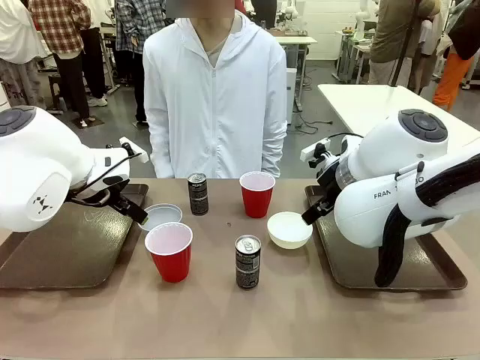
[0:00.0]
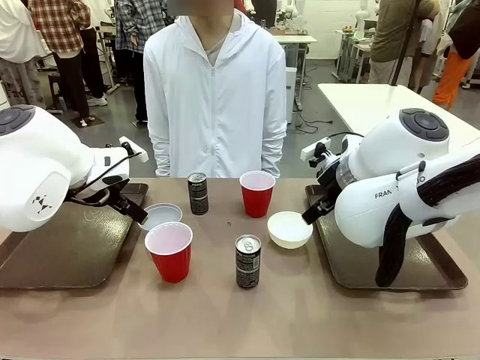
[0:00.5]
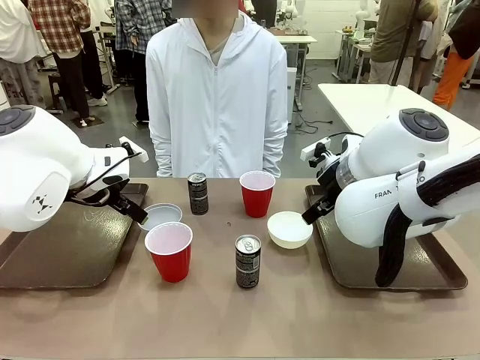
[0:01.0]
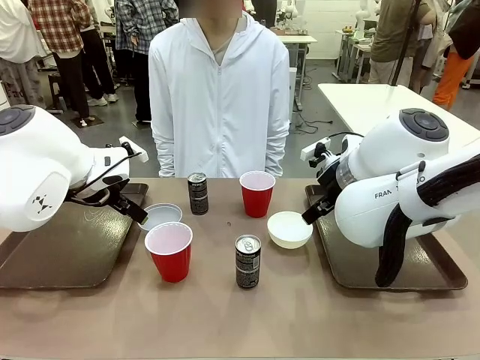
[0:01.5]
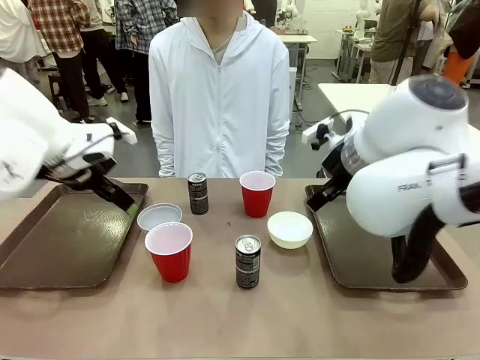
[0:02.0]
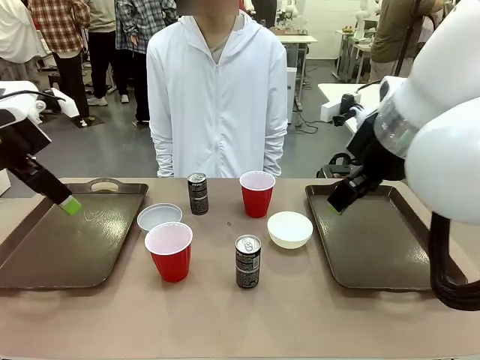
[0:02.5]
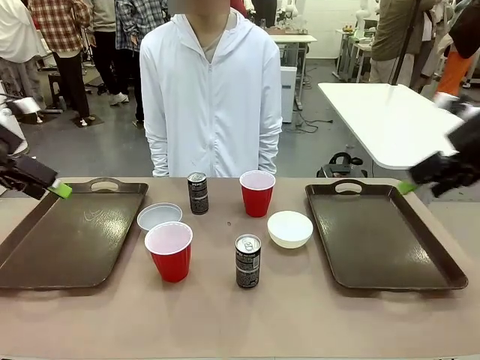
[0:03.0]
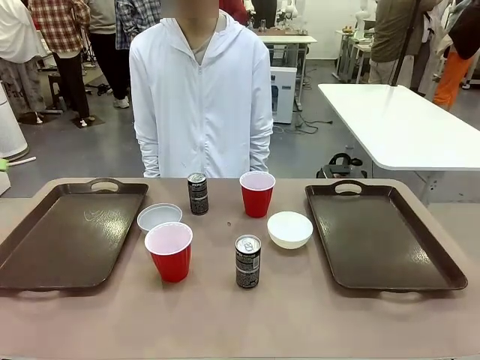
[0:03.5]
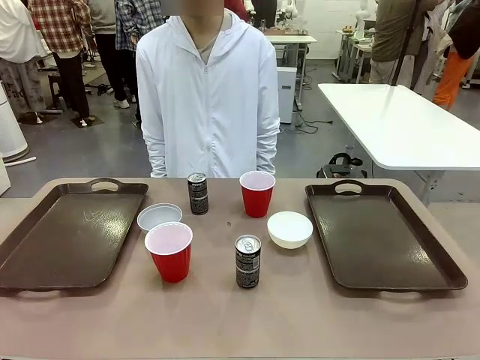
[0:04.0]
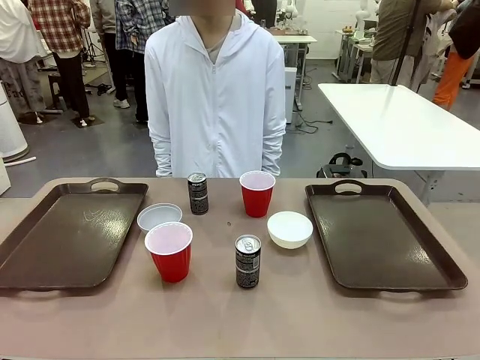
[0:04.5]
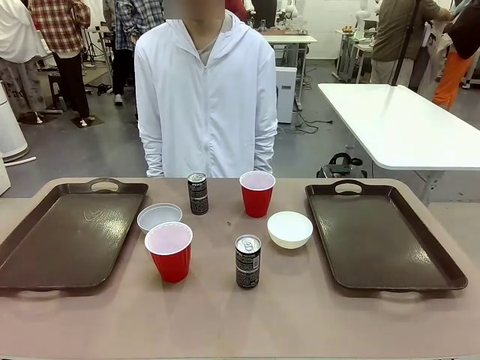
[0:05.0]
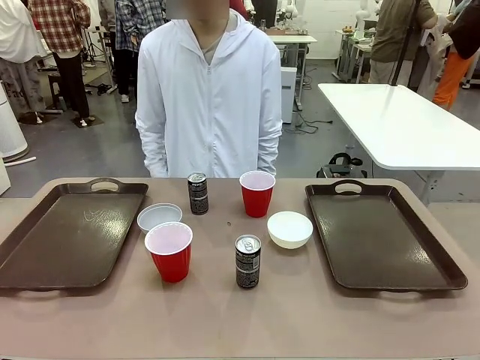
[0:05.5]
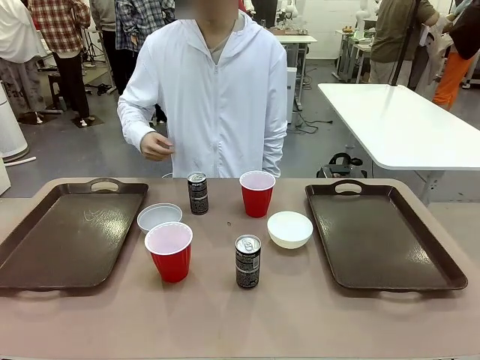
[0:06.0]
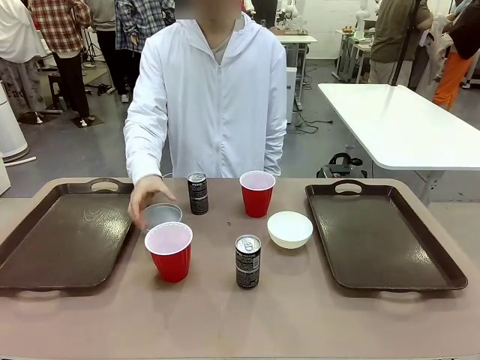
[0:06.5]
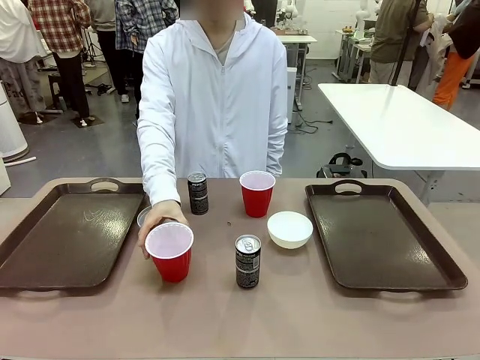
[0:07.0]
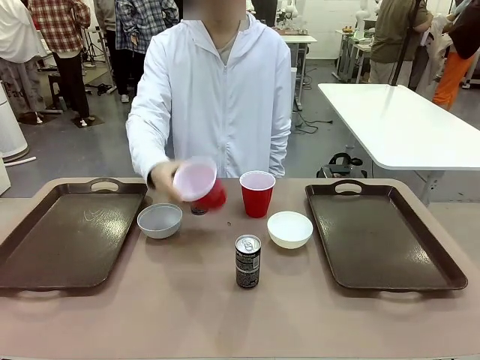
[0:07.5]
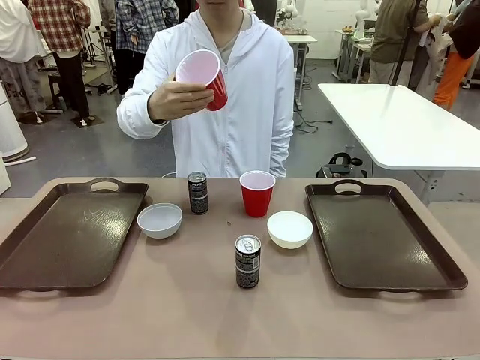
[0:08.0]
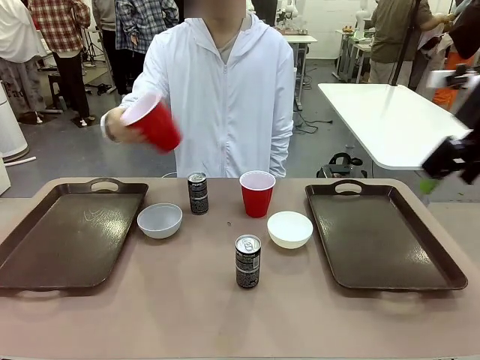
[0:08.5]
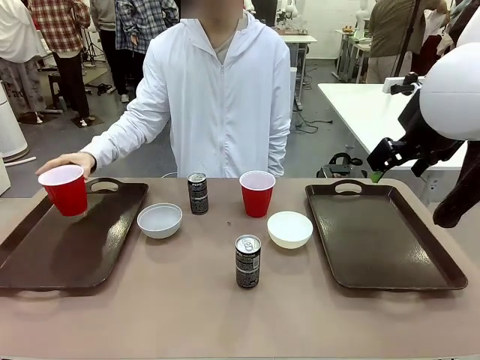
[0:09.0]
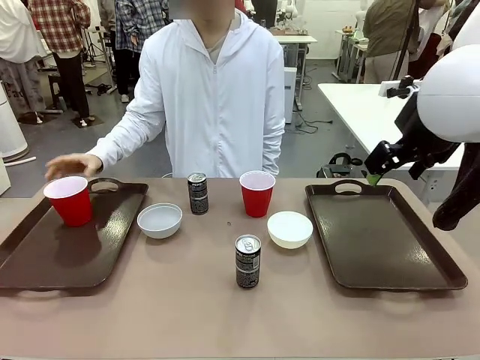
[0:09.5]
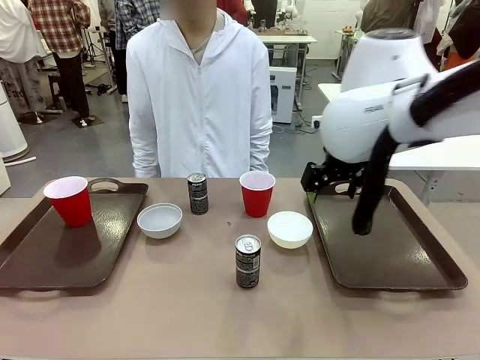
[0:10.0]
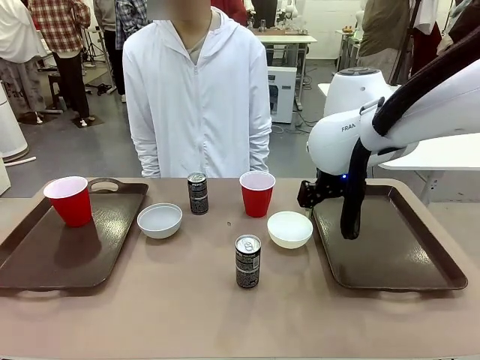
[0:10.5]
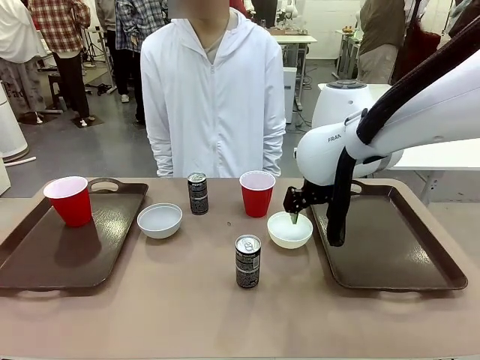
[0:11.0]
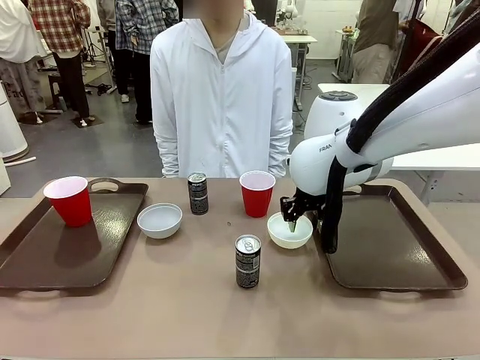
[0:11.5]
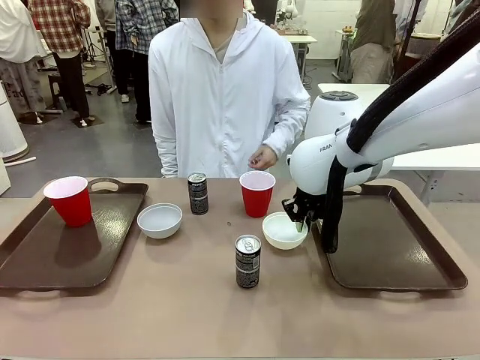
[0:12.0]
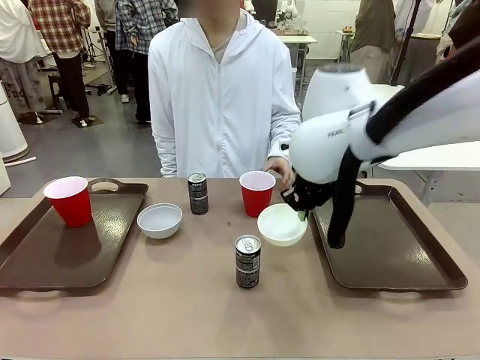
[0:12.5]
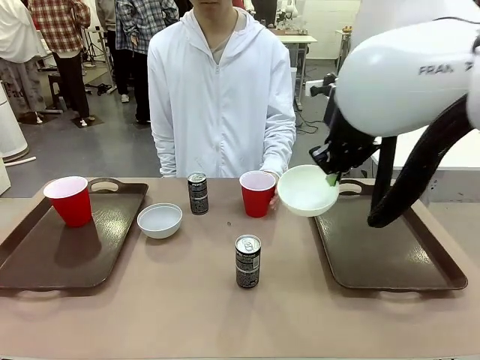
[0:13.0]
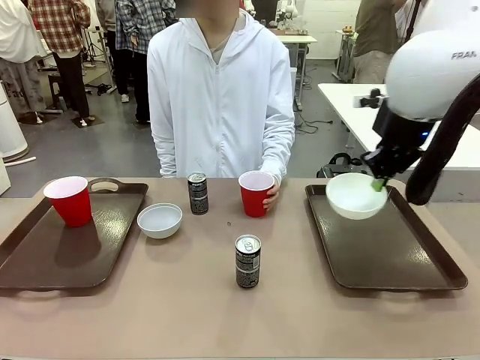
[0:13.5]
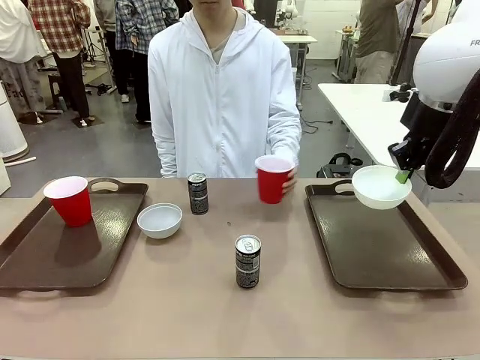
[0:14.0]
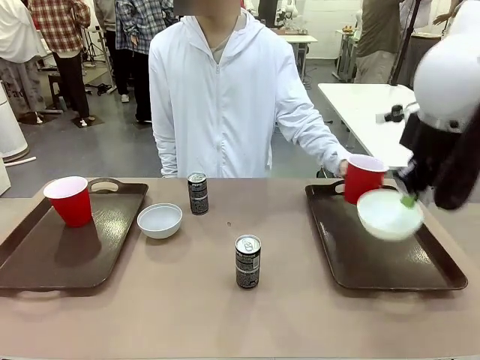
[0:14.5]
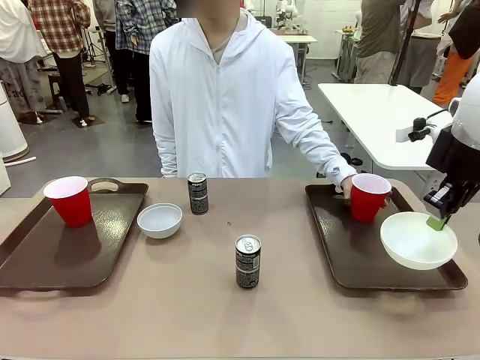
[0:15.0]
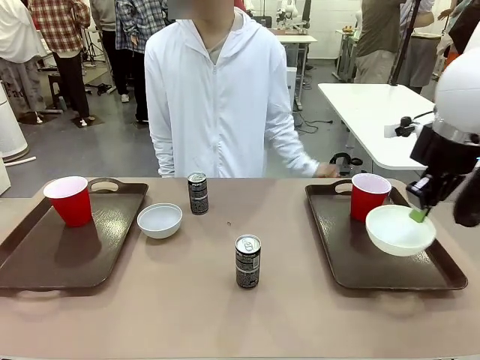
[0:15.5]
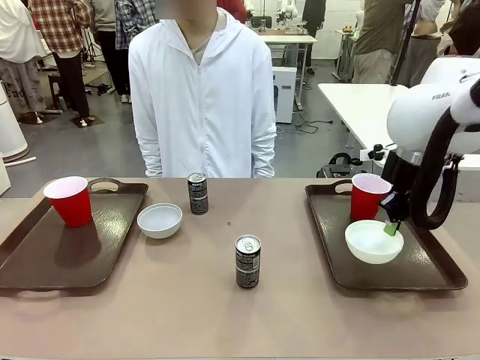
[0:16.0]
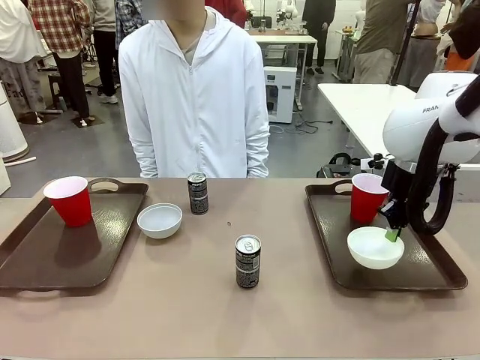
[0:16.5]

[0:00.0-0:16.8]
Task: Prepare tableware on both trays.
Robot: Pick up a Picnic Bowl from the table and place it on a Handle tray.
Person: Pick up a can or cup and place it on the tray.

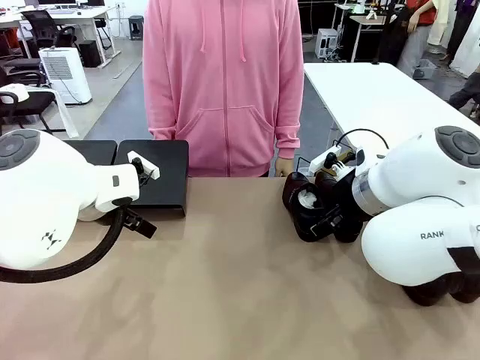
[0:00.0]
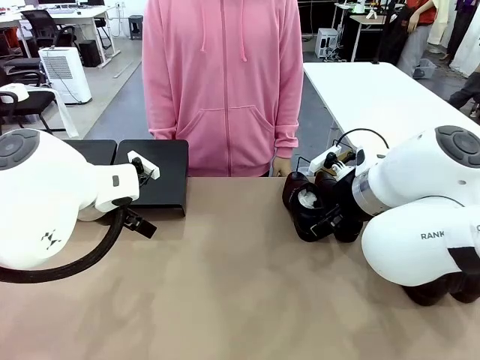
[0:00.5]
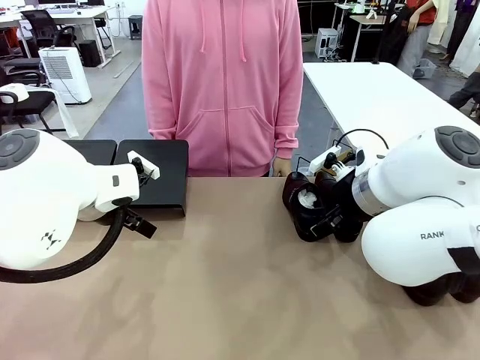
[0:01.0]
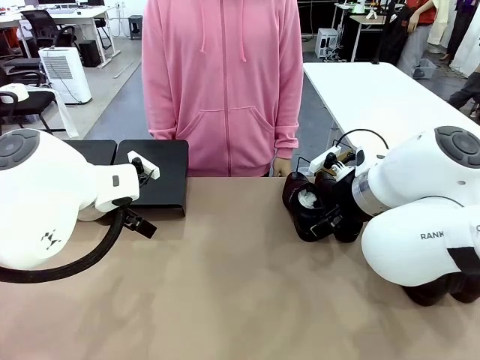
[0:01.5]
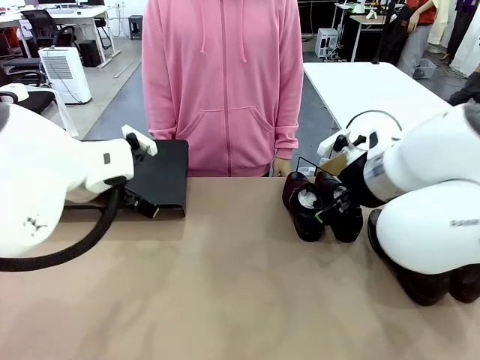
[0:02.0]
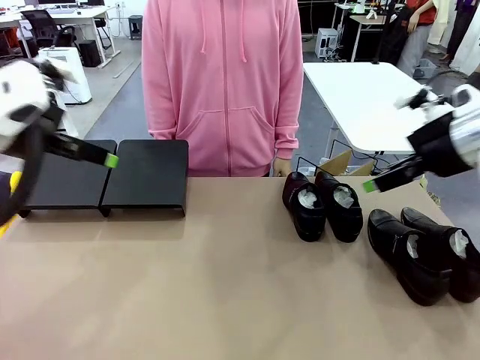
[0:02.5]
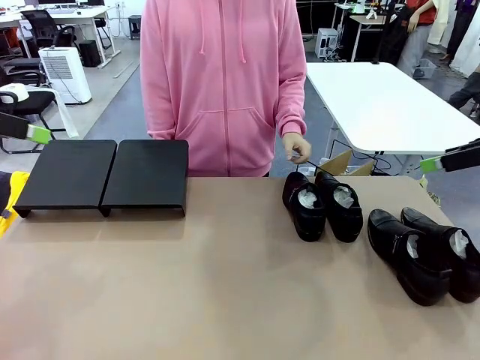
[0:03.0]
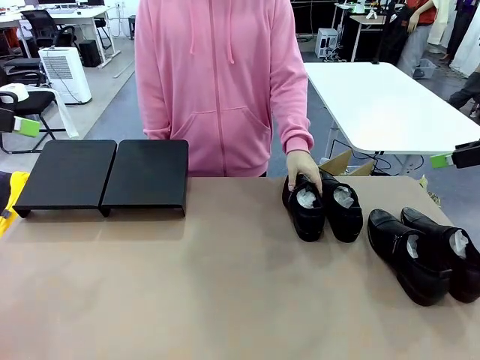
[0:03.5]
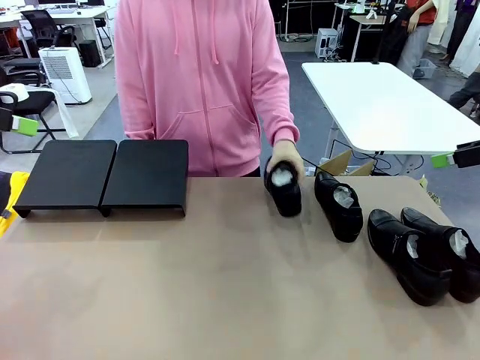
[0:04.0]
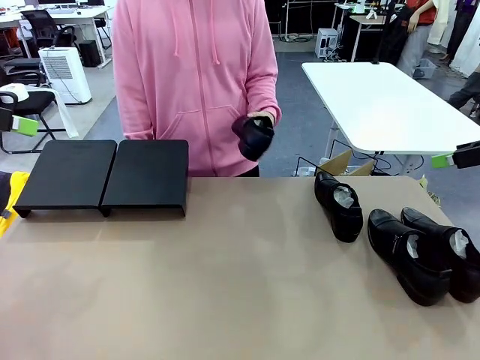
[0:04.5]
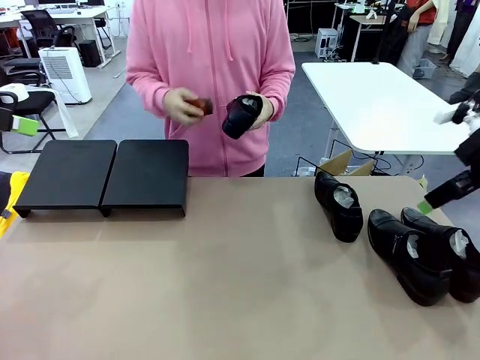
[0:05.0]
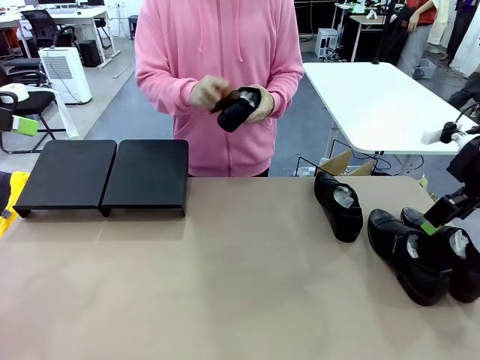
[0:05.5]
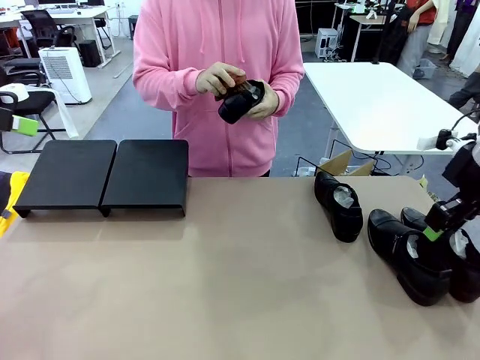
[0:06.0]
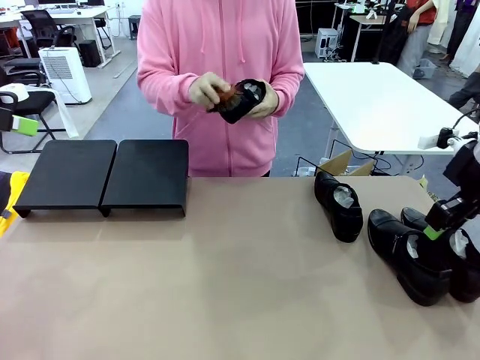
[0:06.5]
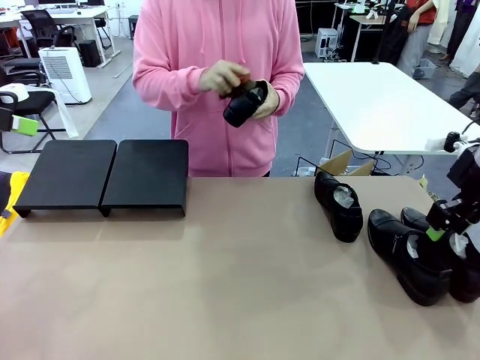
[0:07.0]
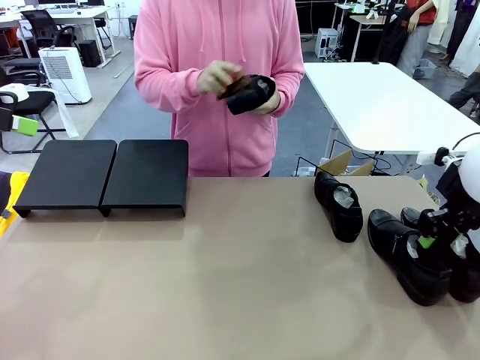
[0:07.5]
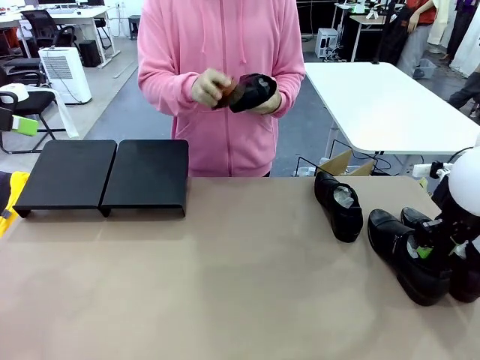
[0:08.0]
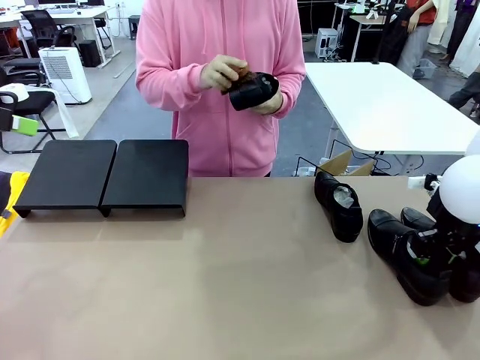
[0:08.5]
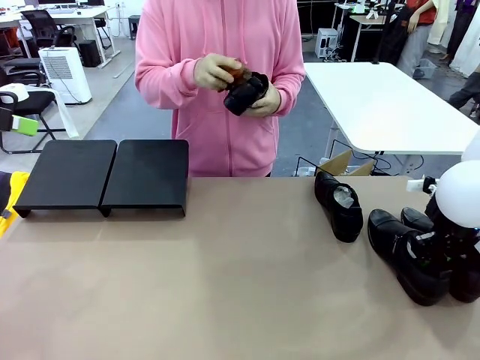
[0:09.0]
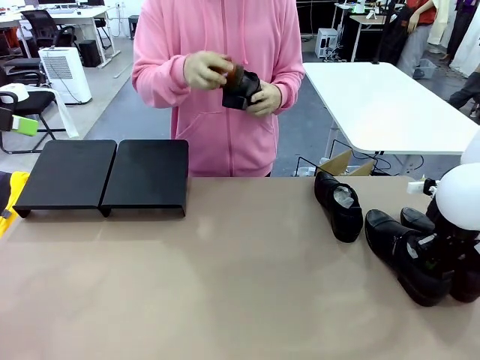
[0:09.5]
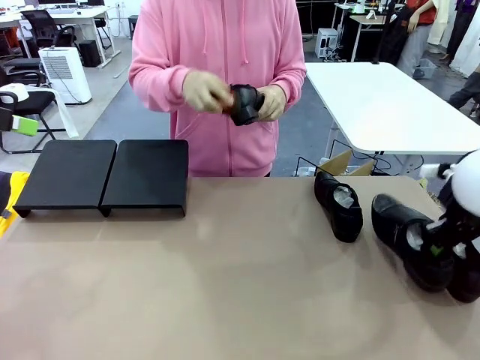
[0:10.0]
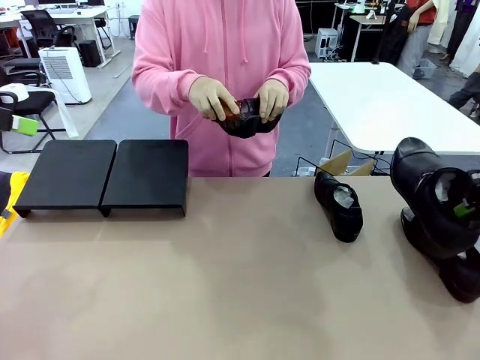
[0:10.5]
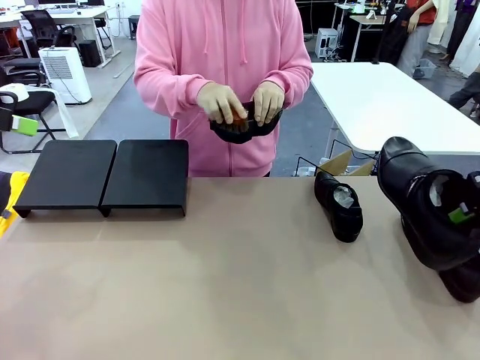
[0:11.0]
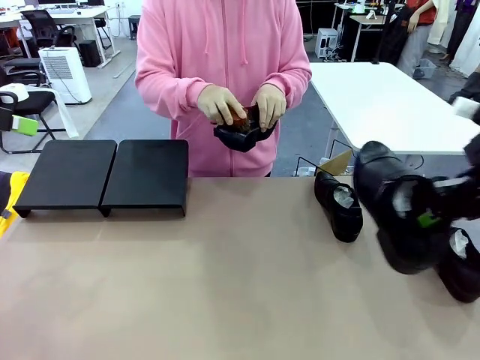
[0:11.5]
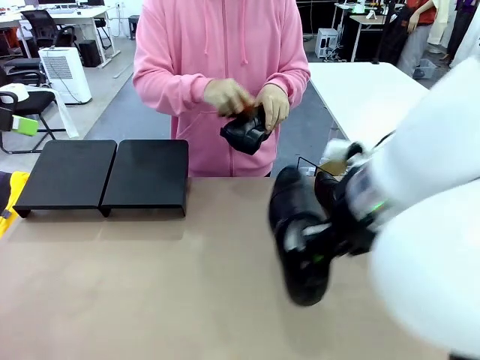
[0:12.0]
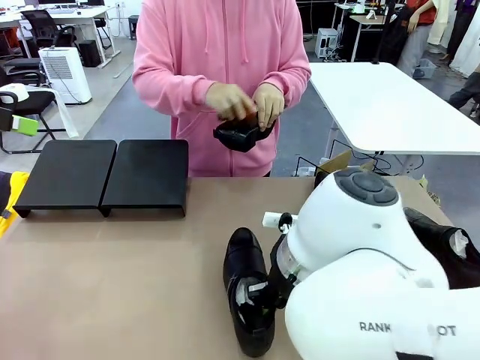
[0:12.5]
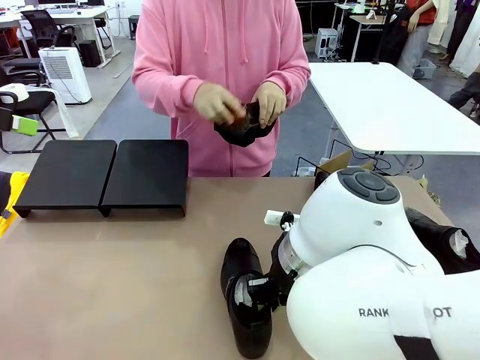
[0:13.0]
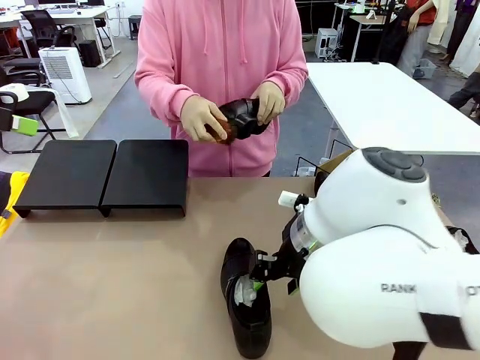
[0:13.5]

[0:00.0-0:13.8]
Task: Organize the shoes by placing them on the stand.
Robot: Pick up one Shoe and place it in the middle of the table.
Person: Pick one Shoe on Robot's table.
